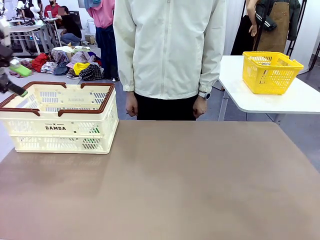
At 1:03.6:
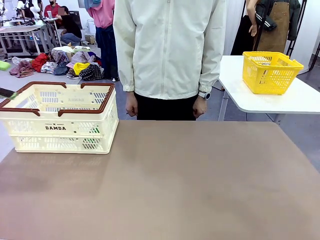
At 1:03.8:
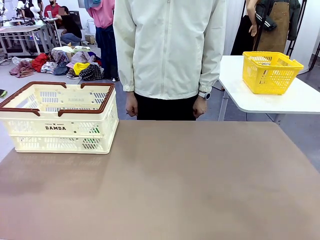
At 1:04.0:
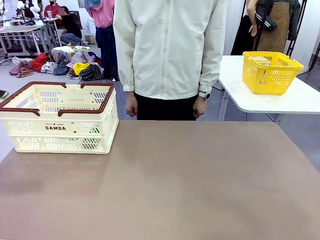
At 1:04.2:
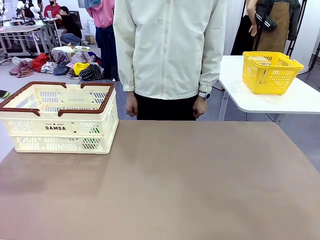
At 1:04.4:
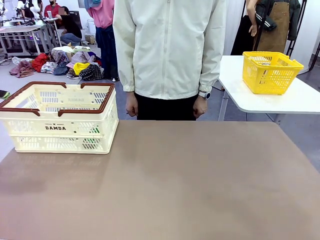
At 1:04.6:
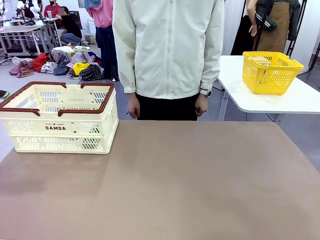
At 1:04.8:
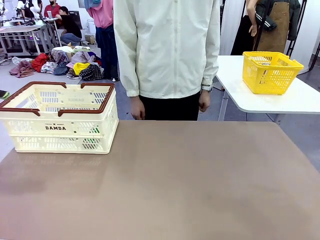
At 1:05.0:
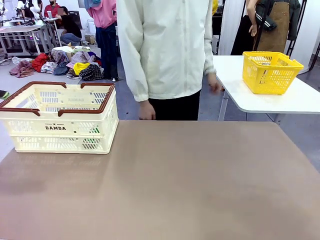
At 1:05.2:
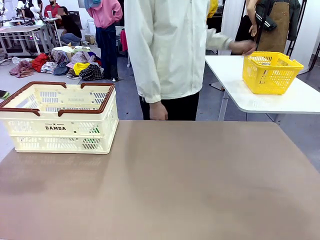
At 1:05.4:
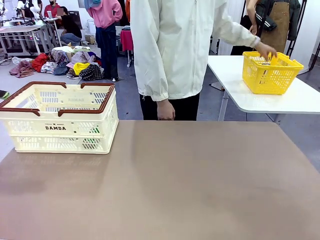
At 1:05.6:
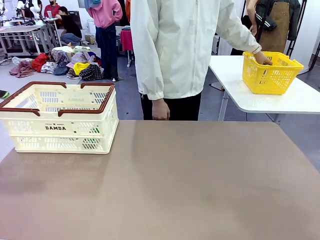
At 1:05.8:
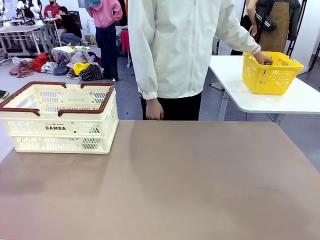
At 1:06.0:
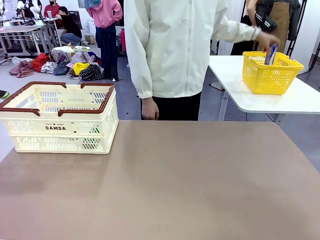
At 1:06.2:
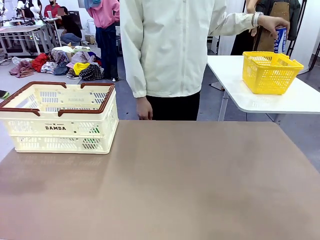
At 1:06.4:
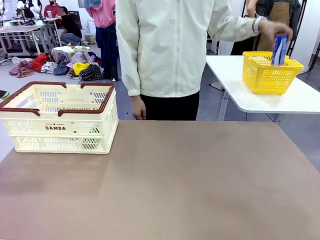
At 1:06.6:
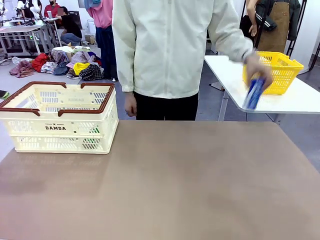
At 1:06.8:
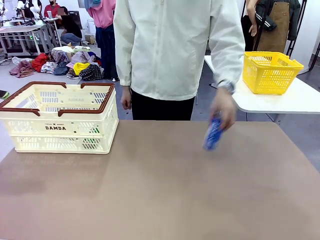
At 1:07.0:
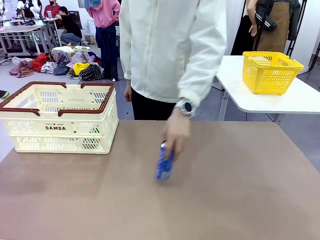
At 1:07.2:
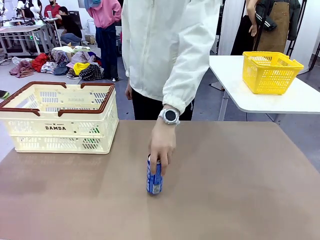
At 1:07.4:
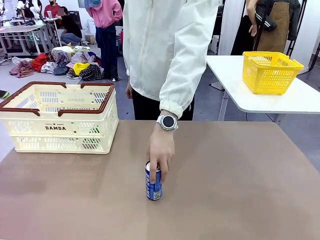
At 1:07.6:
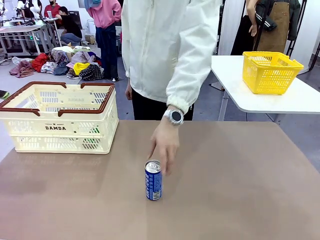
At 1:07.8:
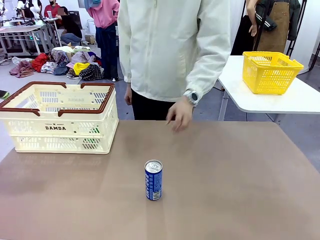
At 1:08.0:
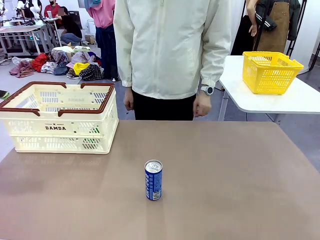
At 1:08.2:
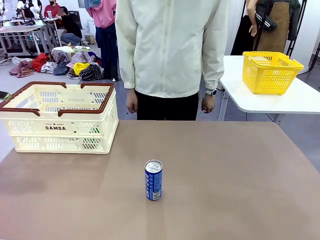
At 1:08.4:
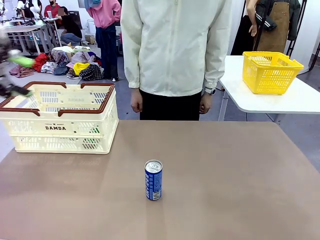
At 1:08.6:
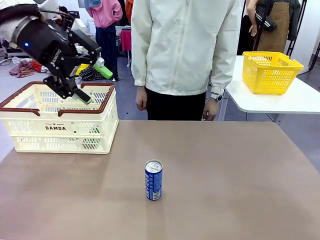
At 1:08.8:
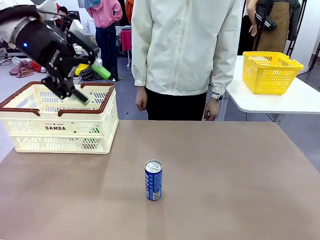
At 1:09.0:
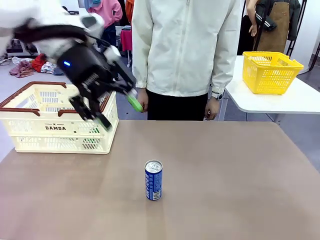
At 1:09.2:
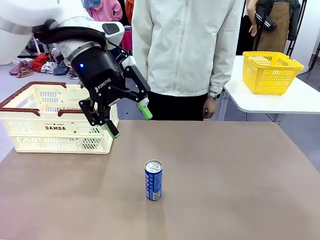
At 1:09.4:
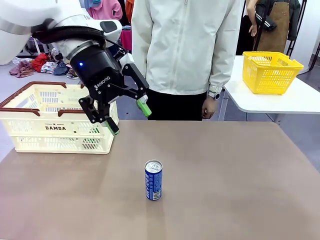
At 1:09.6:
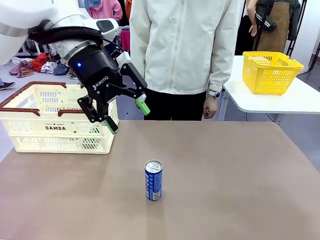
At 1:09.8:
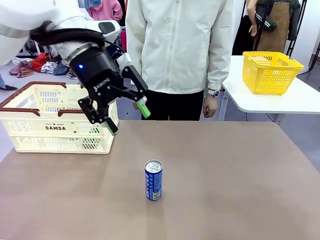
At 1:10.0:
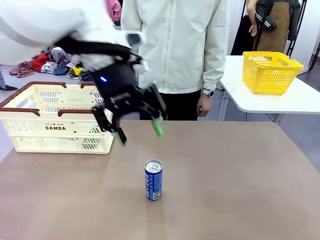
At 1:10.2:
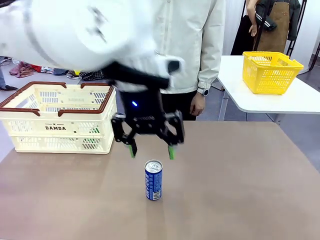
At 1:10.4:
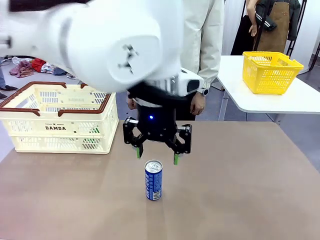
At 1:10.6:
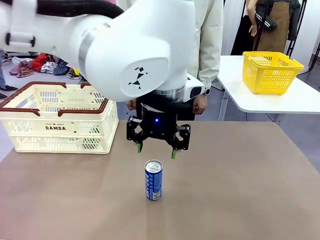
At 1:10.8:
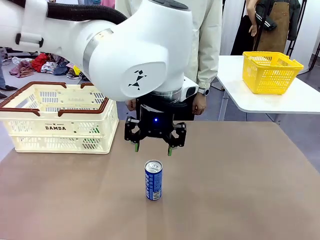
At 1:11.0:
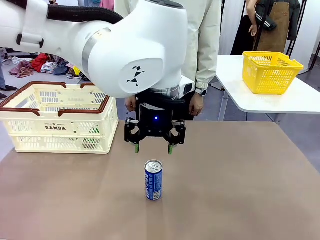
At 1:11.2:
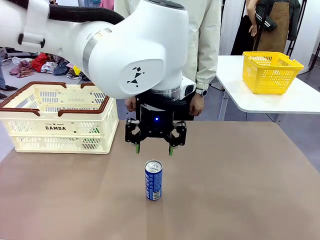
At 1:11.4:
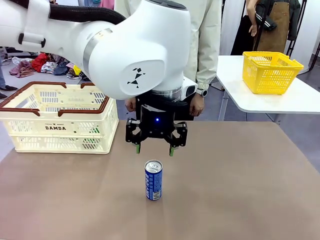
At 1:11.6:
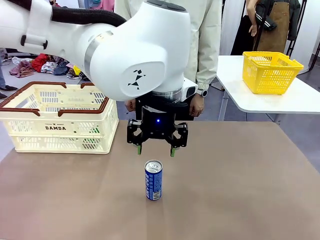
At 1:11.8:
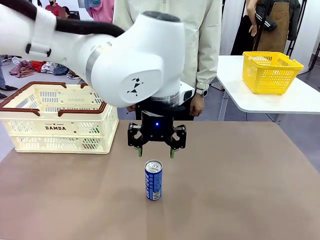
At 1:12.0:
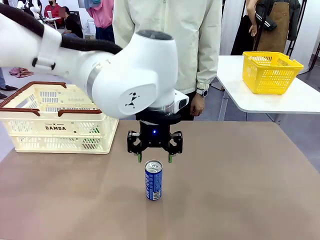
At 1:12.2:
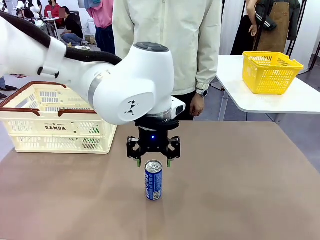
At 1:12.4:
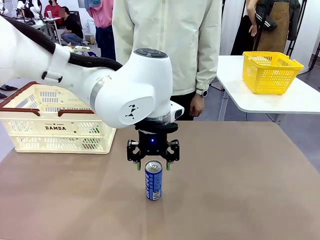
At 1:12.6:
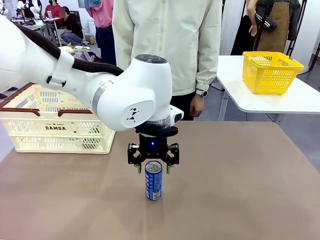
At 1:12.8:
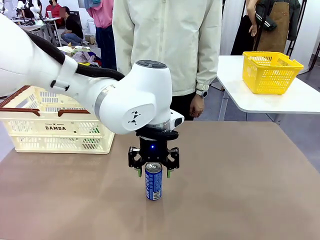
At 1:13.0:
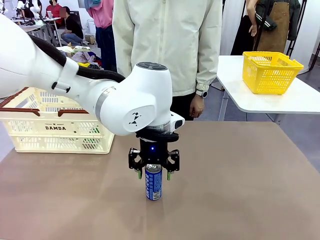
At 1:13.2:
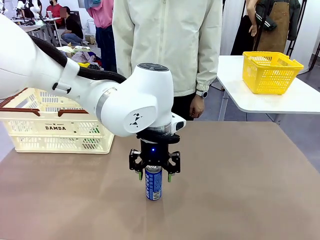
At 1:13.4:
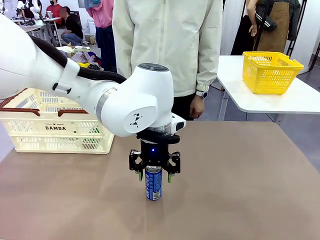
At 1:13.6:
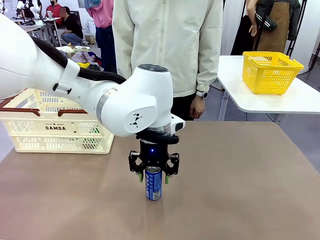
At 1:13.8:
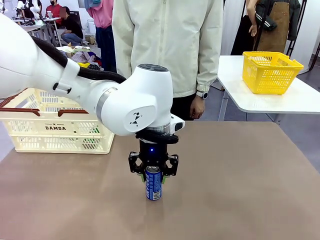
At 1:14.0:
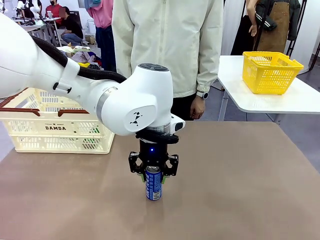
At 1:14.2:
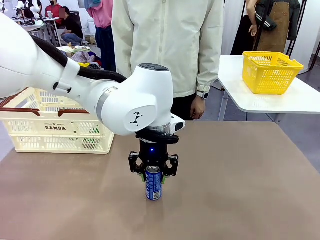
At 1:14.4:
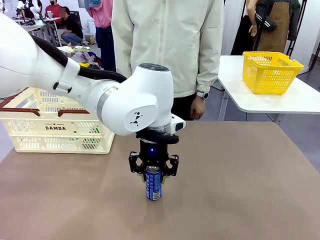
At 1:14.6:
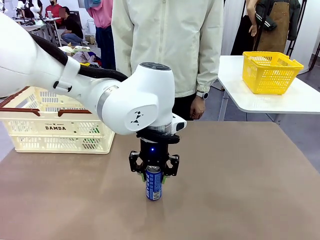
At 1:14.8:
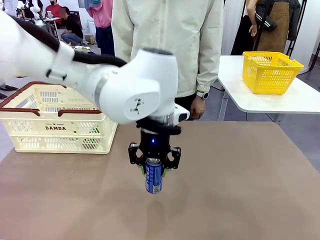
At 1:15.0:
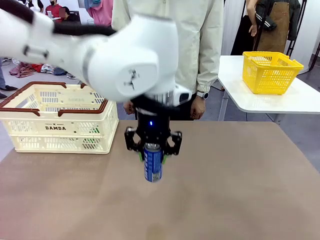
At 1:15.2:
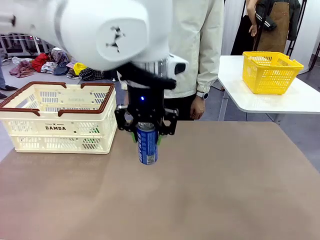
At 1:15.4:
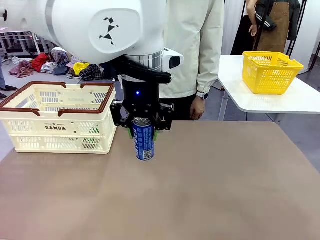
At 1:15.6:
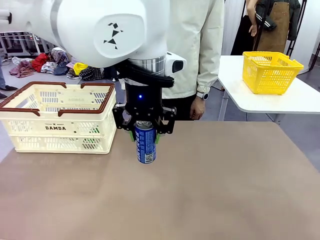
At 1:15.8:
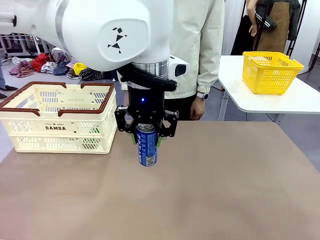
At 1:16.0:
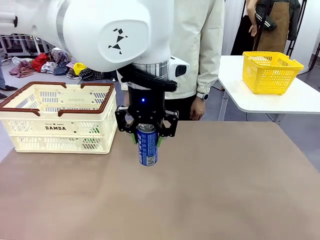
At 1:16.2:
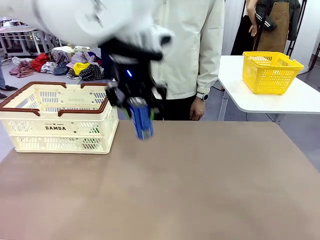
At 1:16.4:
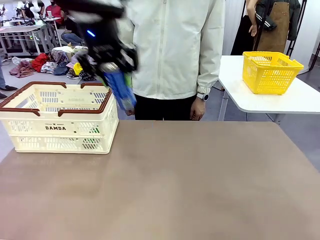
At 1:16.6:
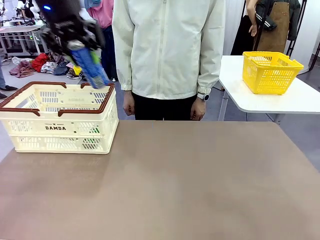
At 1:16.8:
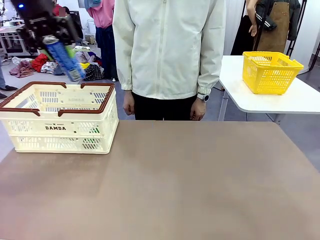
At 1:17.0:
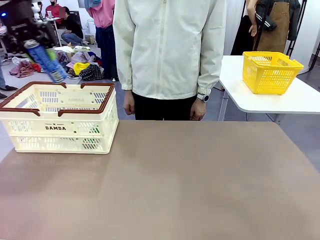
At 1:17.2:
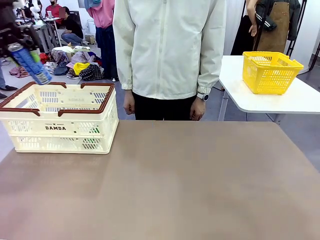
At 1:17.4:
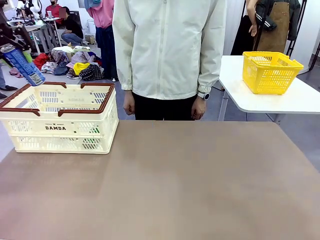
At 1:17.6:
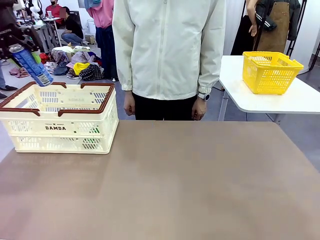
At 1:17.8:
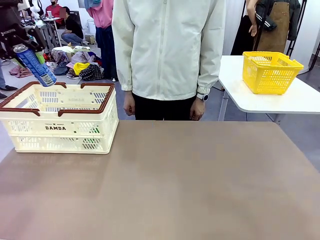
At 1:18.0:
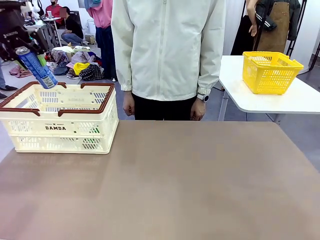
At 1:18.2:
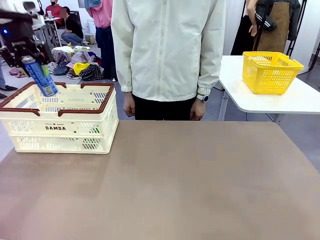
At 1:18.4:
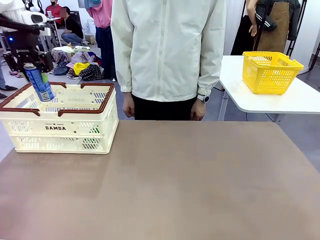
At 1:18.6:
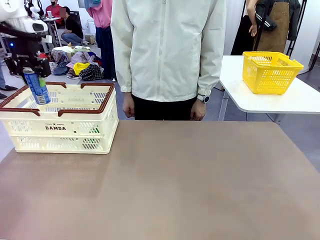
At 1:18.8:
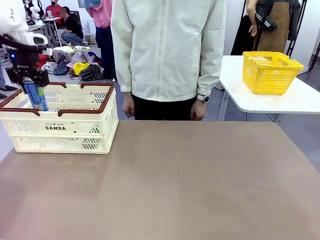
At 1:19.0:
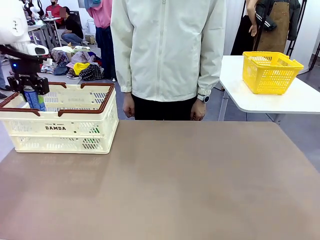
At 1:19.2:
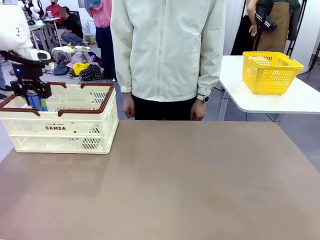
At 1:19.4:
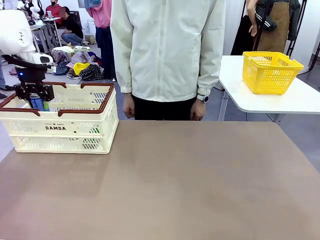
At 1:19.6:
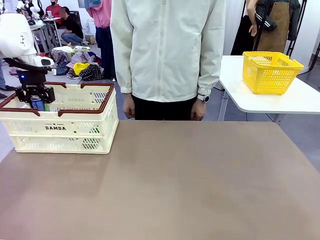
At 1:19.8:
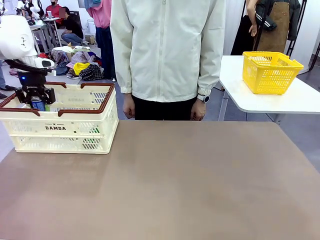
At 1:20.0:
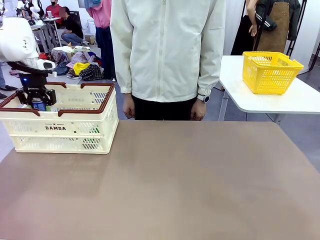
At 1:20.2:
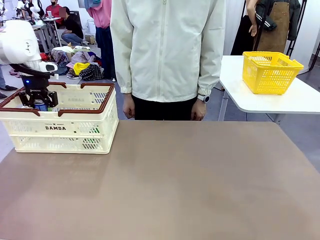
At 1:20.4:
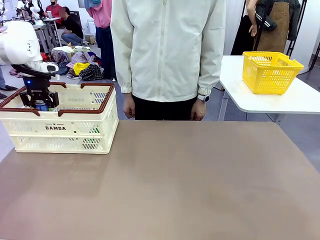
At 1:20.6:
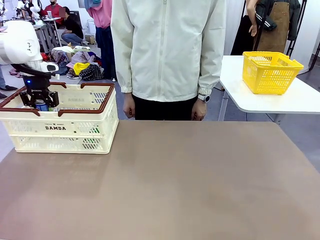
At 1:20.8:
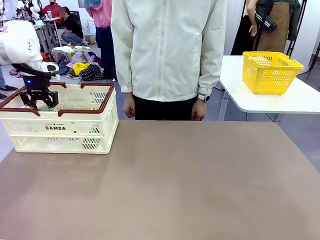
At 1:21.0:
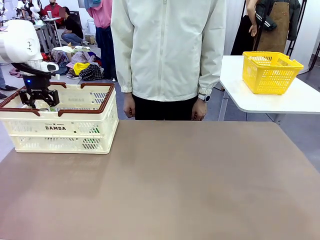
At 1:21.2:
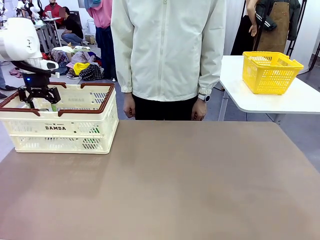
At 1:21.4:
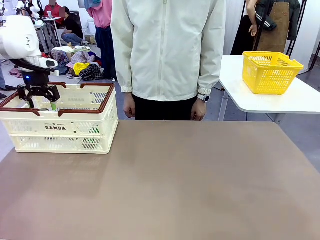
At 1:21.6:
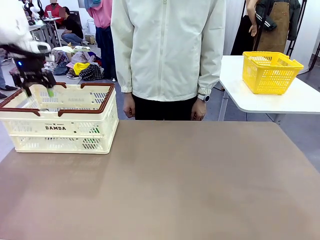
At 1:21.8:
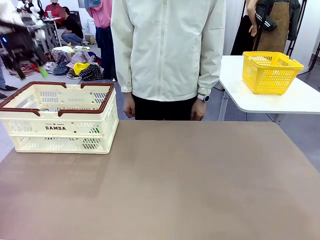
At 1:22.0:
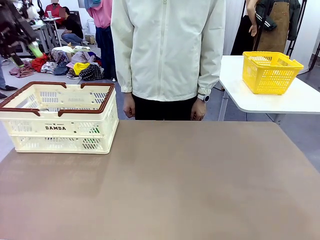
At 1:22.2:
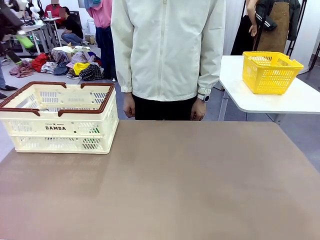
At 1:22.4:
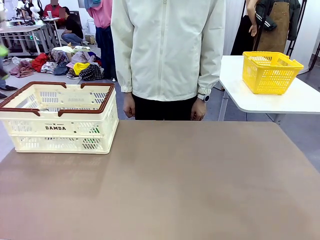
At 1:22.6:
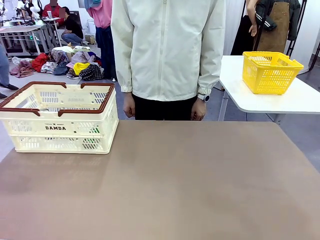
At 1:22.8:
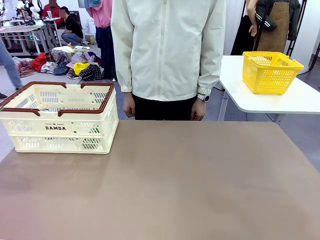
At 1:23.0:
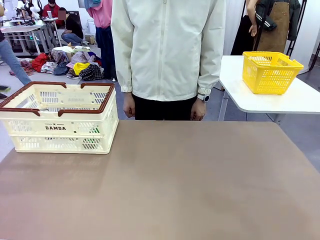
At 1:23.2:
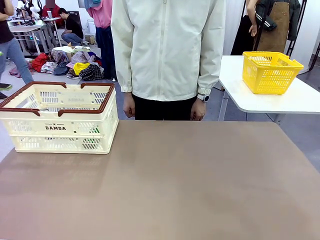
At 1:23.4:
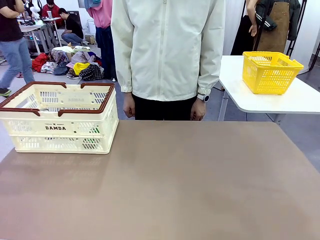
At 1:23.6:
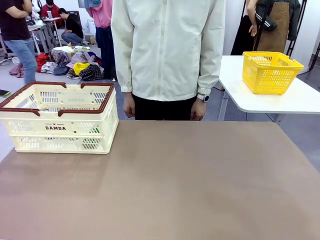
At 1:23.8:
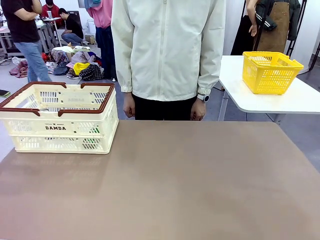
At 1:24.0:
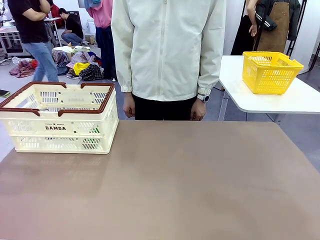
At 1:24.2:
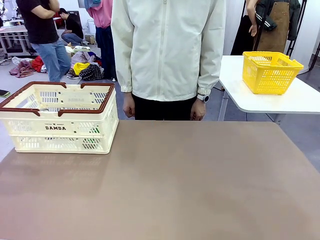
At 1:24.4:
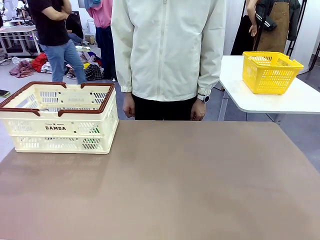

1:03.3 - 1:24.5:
Task: Place the drinks into the Shopping basket.
Robot: Pick up one drink and place it into the Shopping basket.
